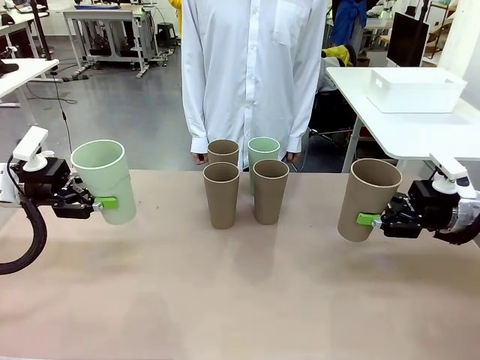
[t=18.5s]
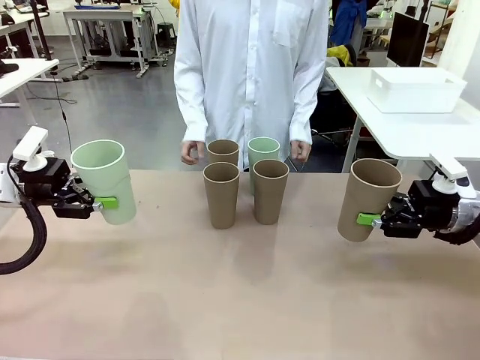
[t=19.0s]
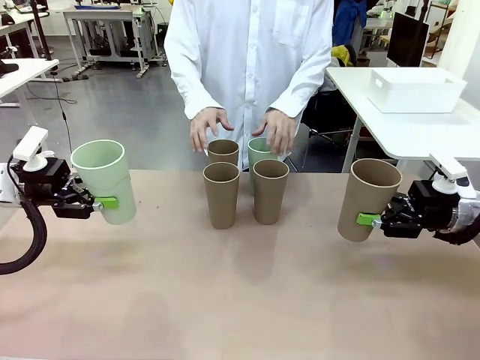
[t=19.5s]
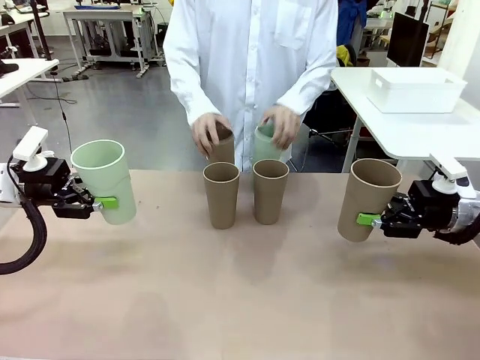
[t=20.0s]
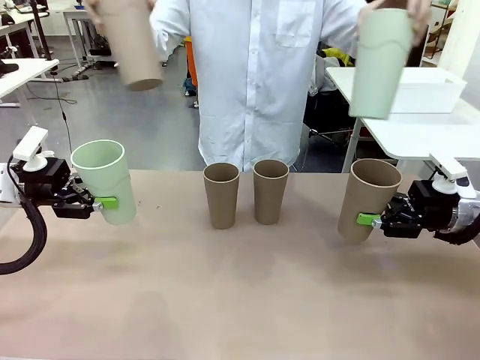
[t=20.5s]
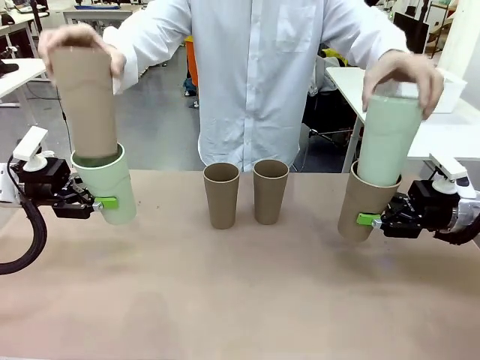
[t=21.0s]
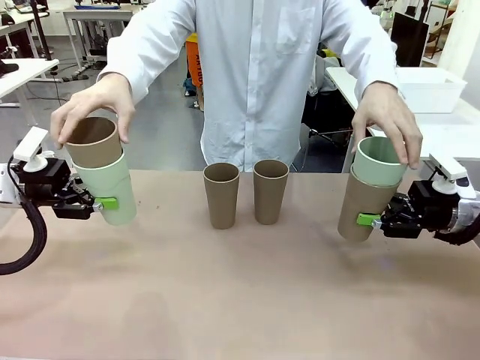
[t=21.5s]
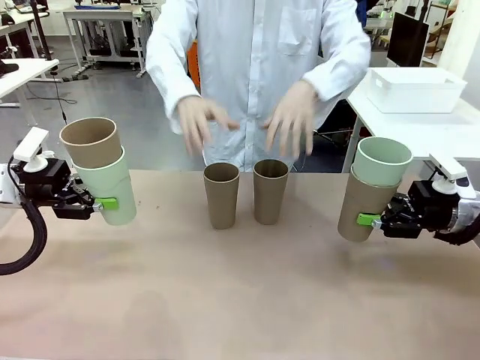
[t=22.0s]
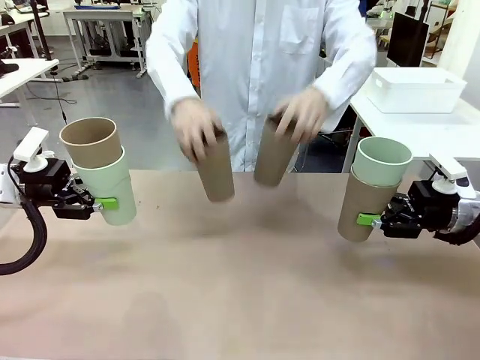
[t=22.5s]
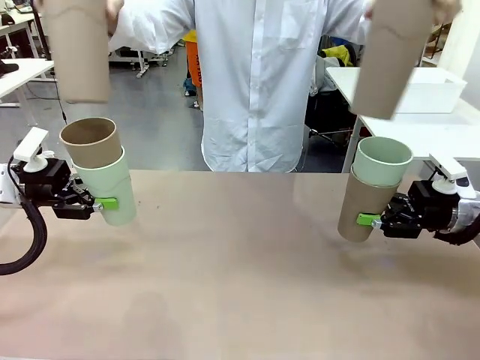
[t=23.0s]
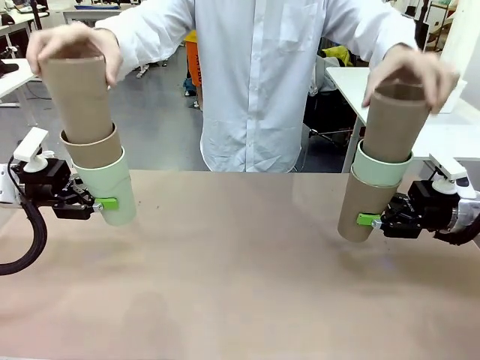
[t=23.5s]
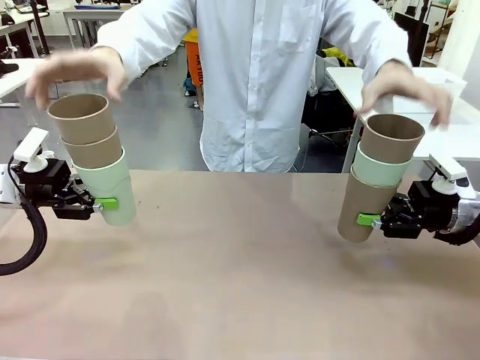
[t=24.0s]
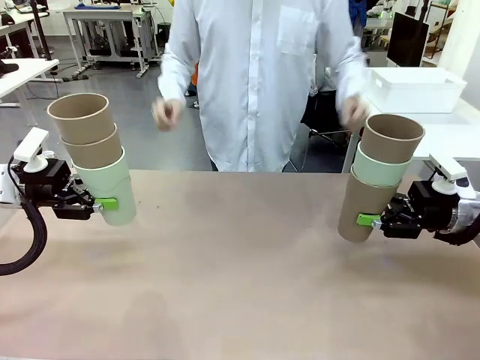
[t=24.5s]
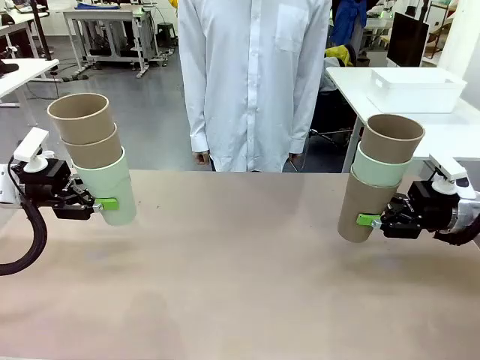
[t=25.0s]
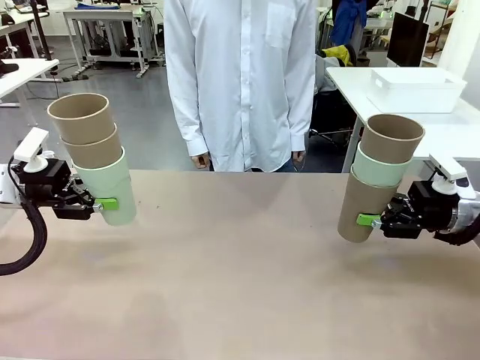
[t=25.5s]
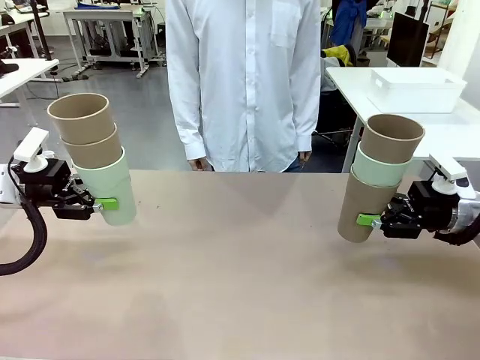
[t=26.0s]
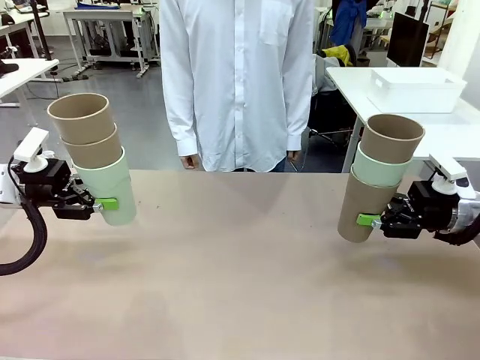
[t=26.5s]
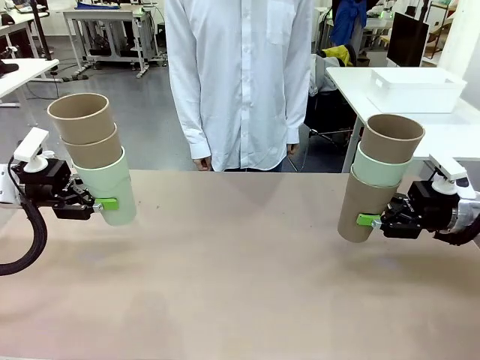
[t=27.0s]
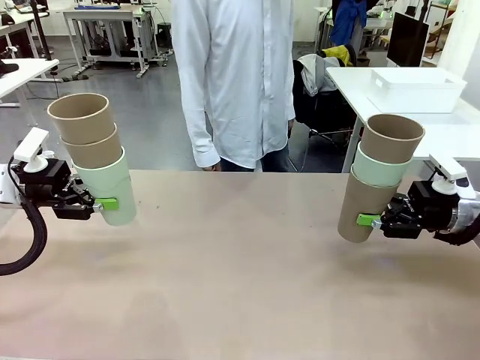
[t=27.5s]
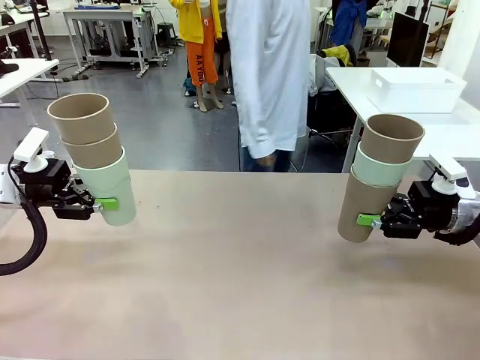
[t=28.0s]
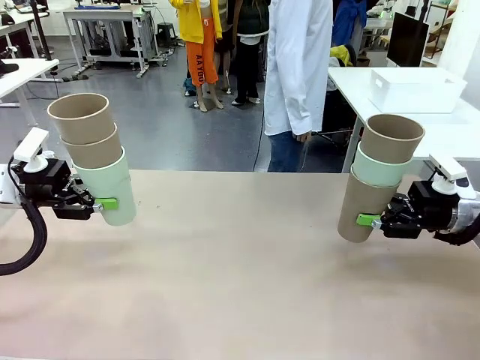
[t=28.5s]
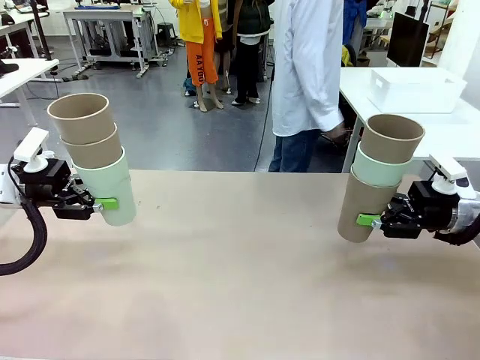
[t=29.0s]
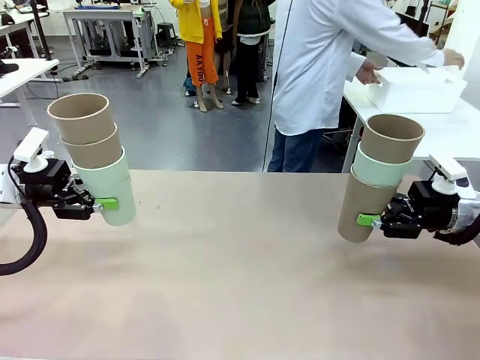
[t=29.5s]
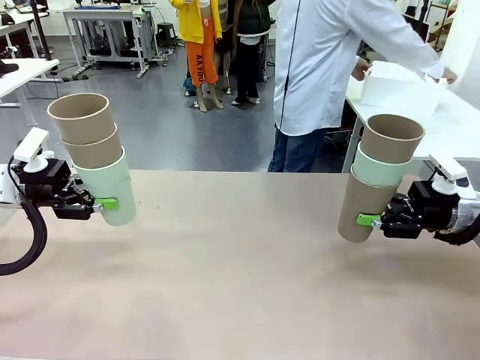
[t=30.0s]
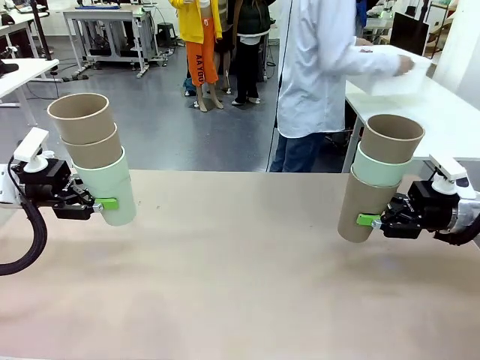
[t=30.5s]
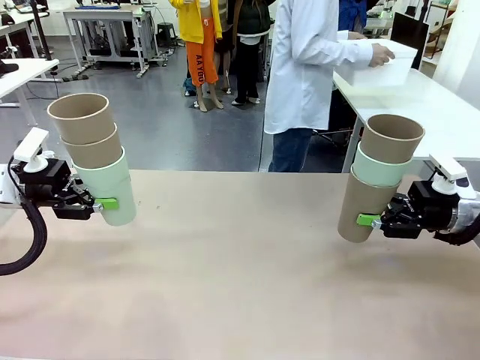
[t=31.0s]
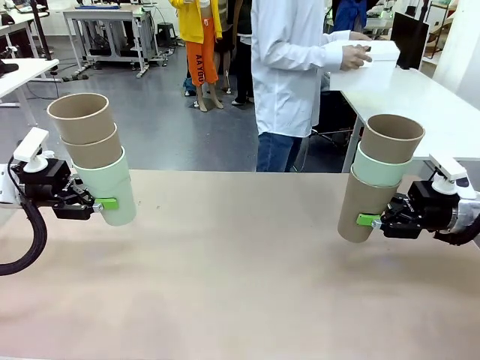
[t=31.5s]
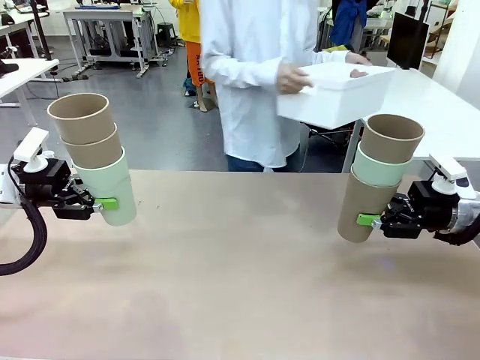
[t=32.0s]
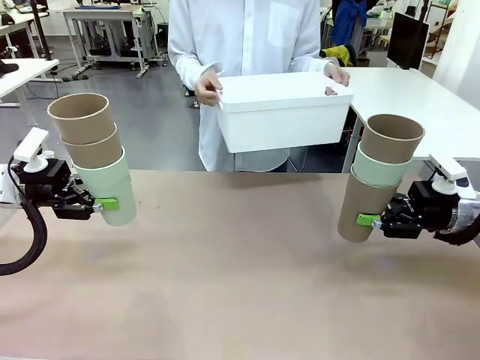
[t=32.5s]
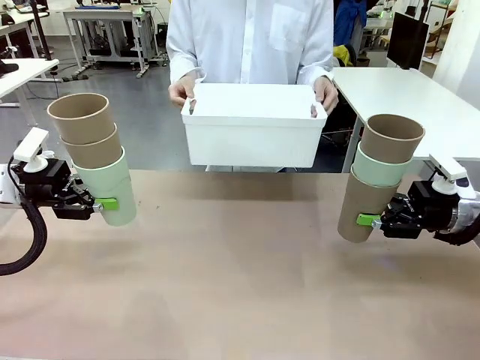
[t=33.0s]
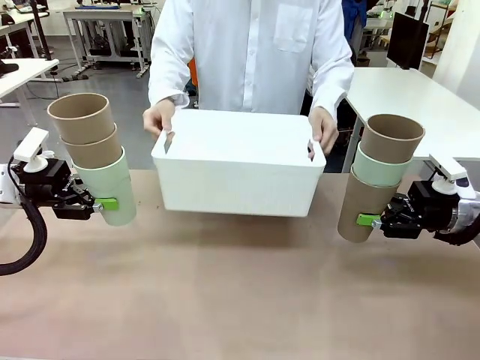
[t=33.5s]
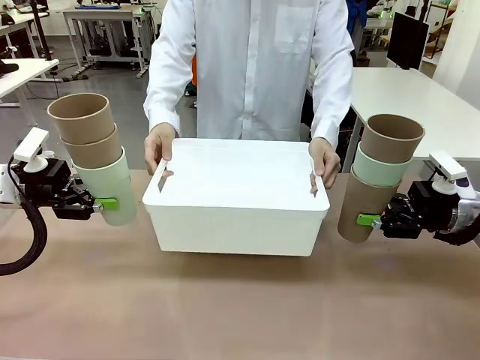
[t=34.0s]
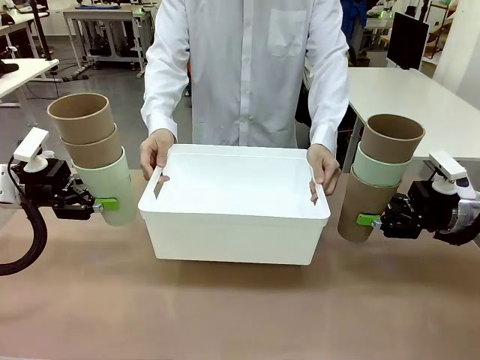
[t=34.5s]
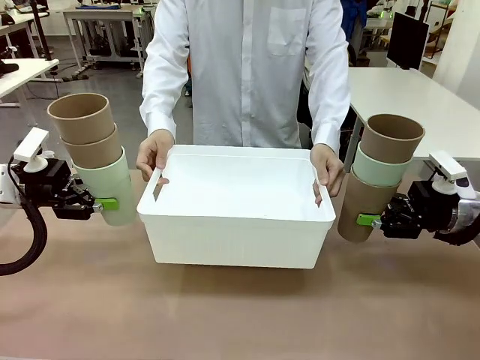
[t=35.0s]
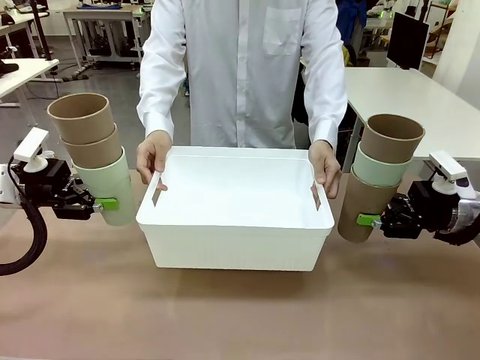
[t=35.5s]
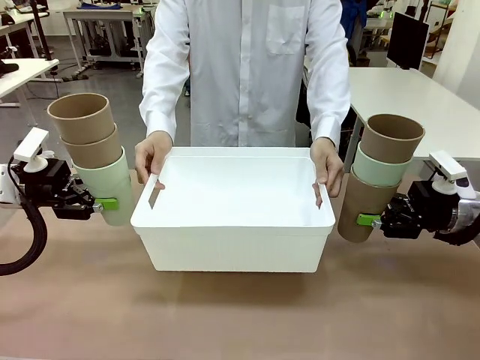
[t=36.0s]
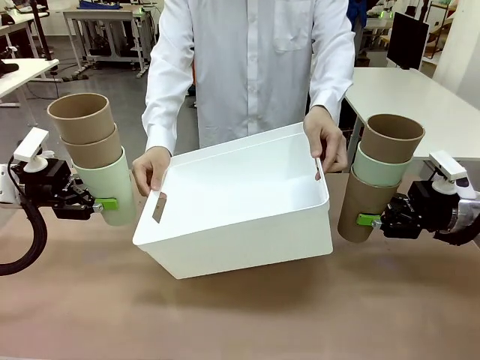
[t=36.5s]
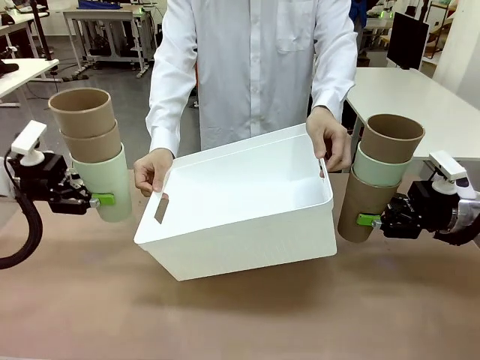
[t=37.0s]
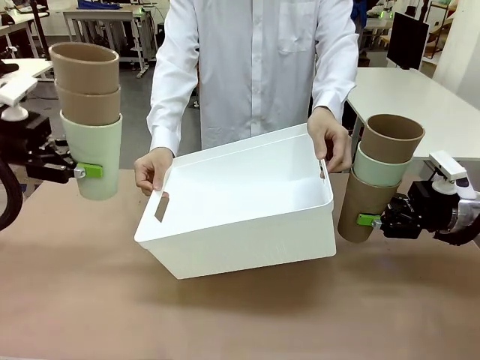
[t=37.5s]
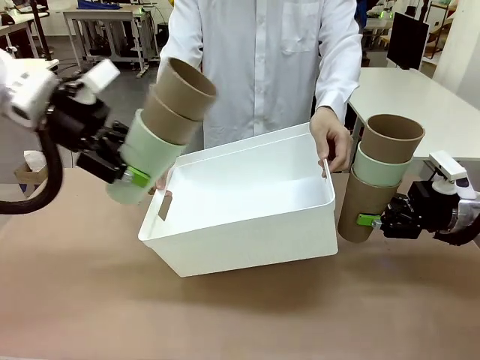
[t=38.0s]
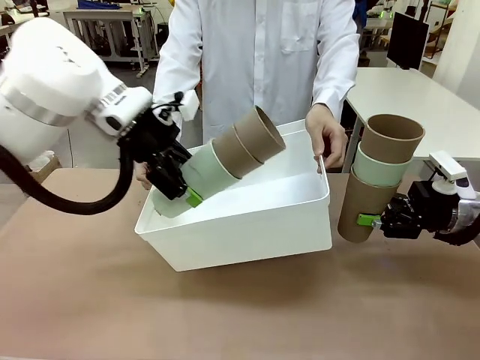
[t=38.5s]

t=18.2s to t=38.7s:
Task: Stack the cups and store them in the basket.
Robot: Place the stack of Reusable plastic cups into the Pantry Basket.
Person: Pick up the basket from the Human Table, bring it to the front of the robot, and present it.
